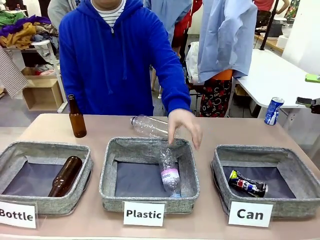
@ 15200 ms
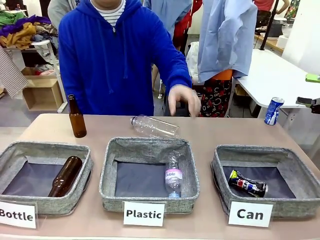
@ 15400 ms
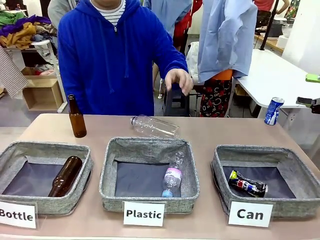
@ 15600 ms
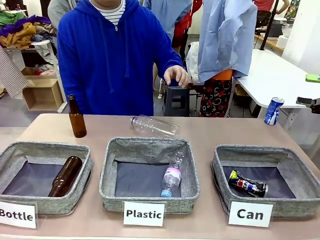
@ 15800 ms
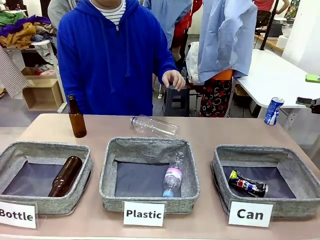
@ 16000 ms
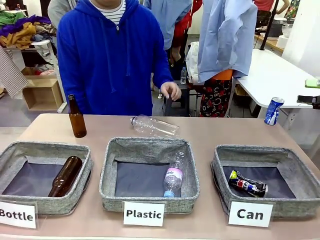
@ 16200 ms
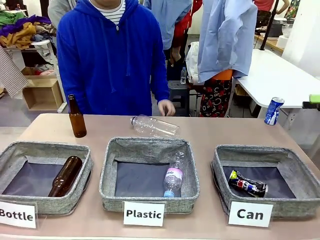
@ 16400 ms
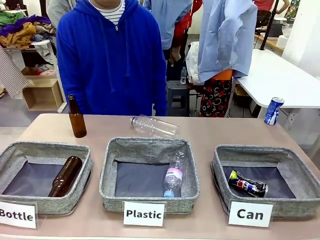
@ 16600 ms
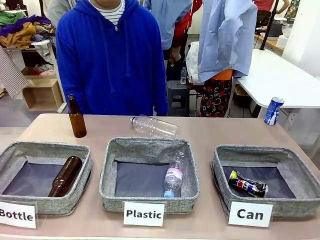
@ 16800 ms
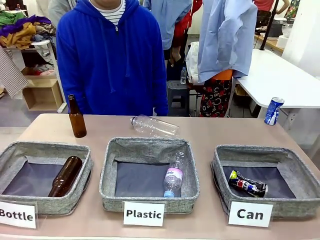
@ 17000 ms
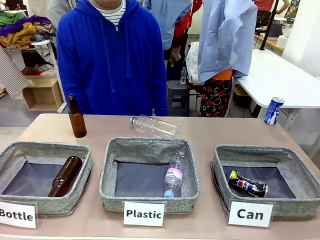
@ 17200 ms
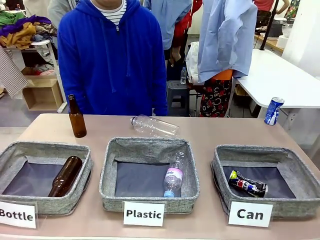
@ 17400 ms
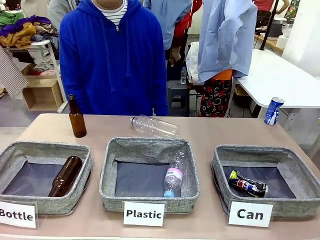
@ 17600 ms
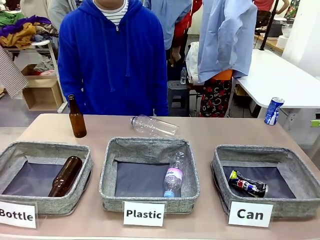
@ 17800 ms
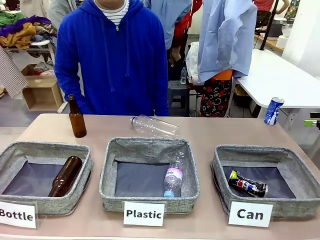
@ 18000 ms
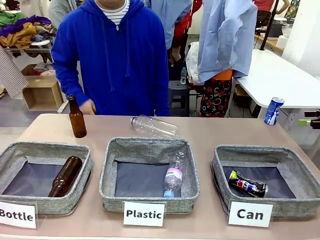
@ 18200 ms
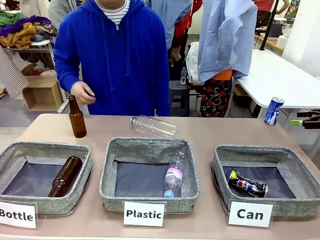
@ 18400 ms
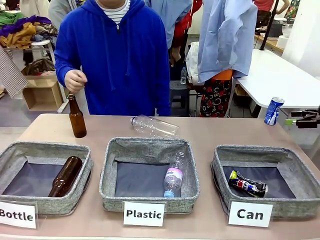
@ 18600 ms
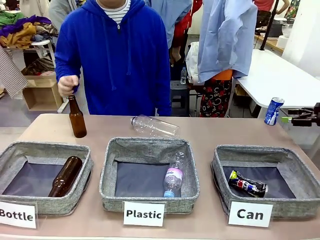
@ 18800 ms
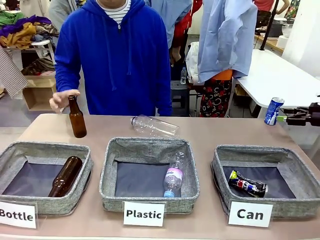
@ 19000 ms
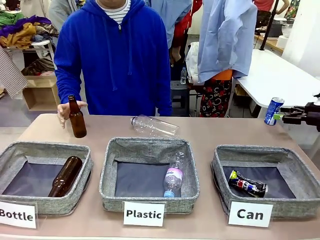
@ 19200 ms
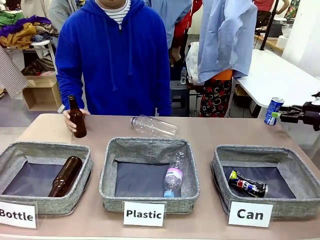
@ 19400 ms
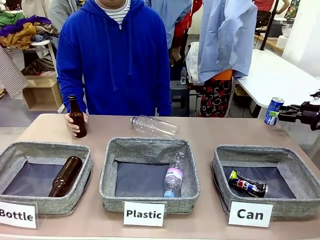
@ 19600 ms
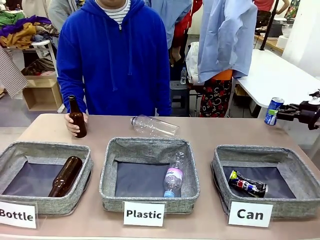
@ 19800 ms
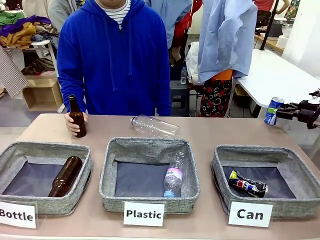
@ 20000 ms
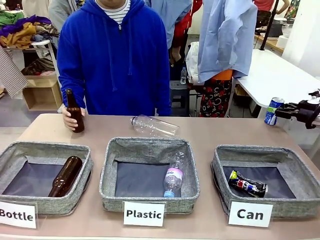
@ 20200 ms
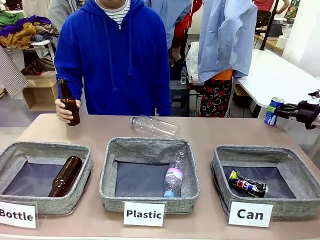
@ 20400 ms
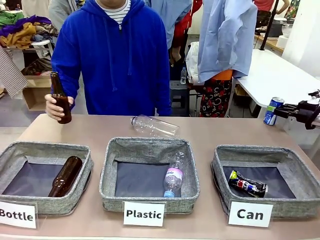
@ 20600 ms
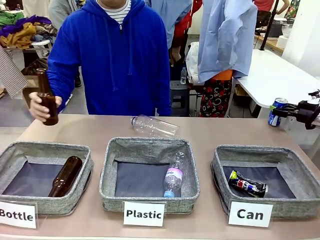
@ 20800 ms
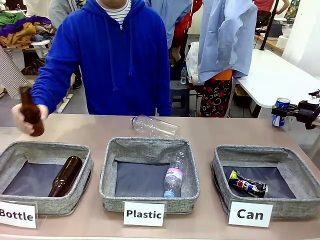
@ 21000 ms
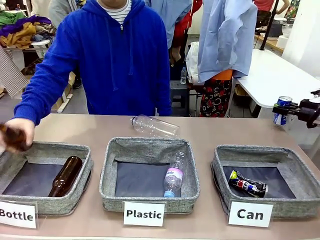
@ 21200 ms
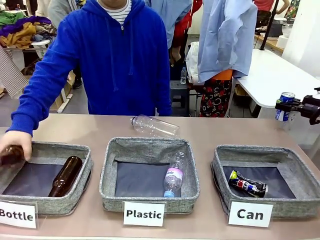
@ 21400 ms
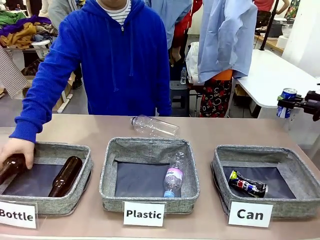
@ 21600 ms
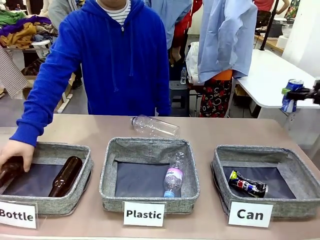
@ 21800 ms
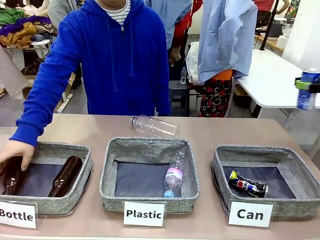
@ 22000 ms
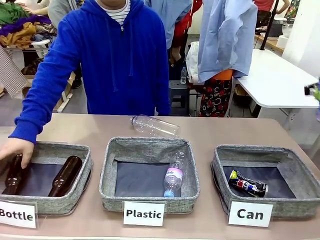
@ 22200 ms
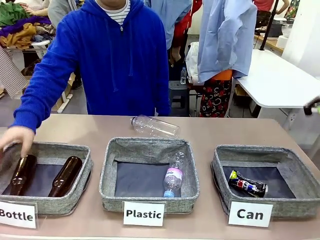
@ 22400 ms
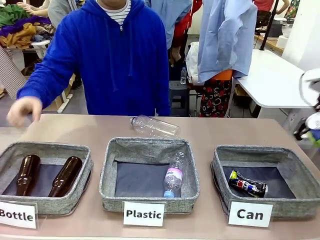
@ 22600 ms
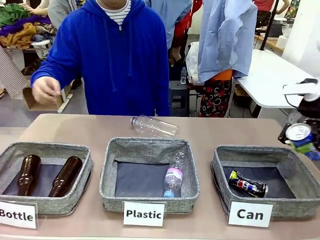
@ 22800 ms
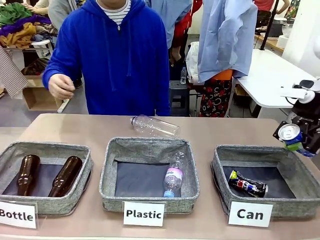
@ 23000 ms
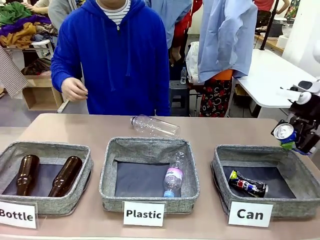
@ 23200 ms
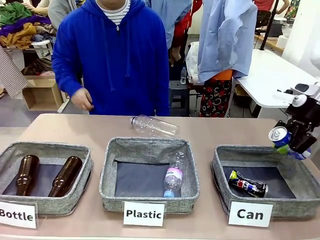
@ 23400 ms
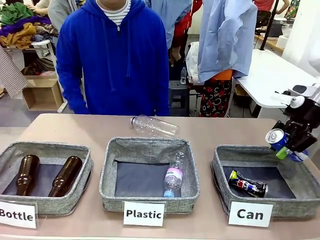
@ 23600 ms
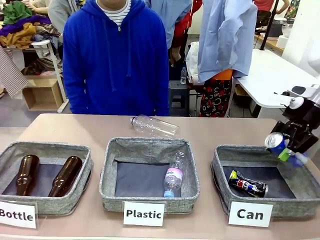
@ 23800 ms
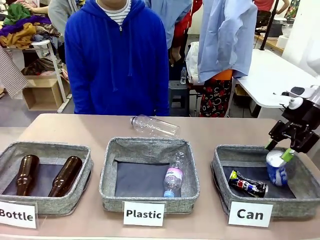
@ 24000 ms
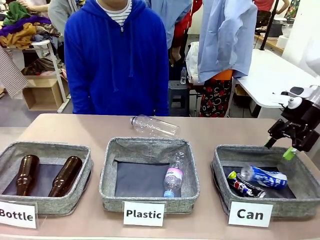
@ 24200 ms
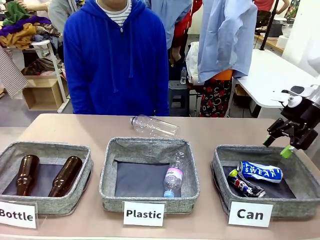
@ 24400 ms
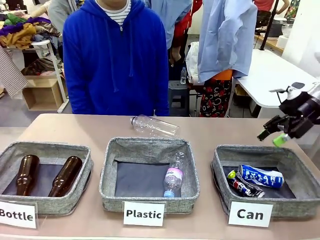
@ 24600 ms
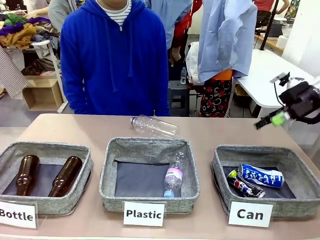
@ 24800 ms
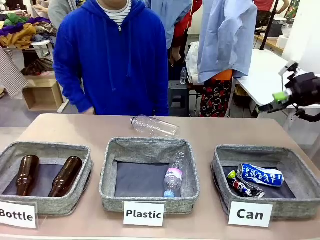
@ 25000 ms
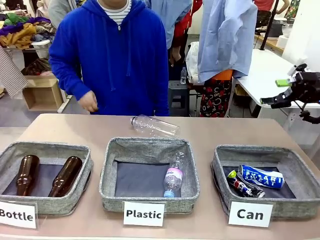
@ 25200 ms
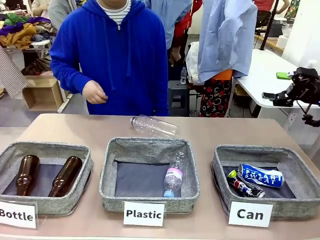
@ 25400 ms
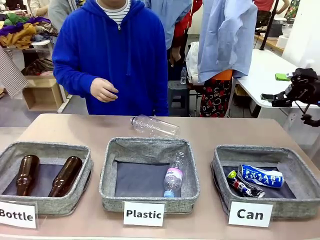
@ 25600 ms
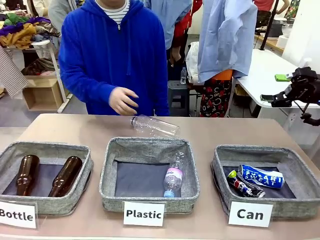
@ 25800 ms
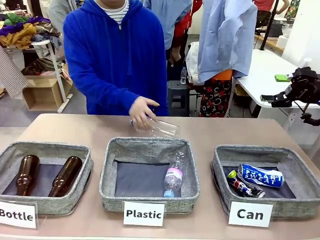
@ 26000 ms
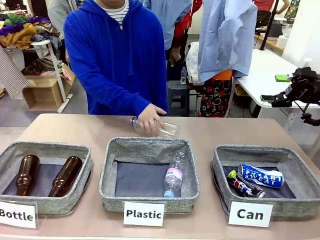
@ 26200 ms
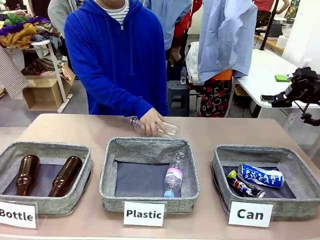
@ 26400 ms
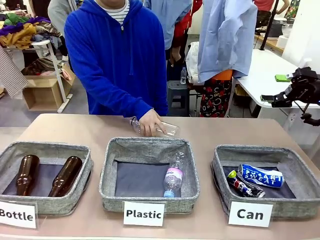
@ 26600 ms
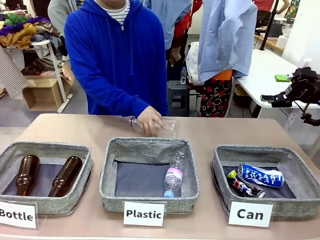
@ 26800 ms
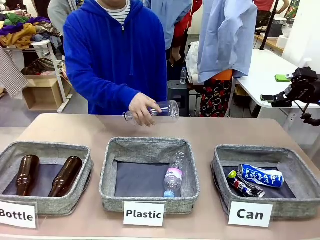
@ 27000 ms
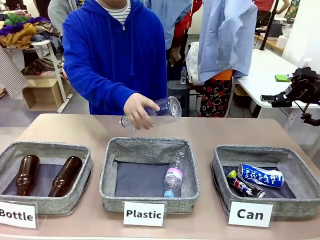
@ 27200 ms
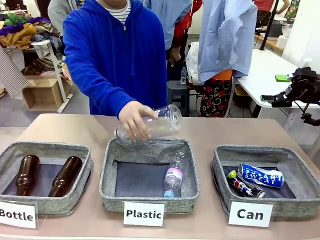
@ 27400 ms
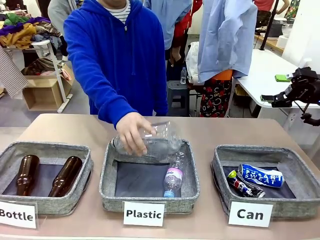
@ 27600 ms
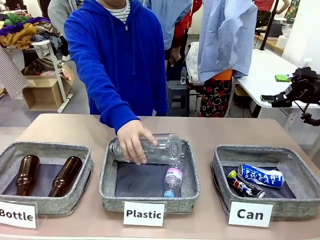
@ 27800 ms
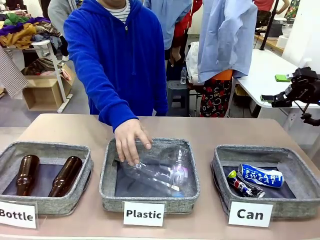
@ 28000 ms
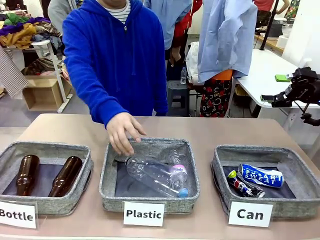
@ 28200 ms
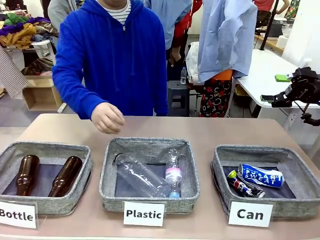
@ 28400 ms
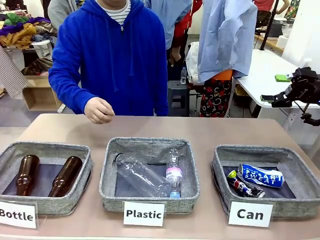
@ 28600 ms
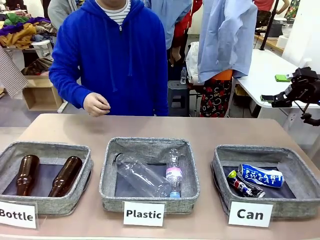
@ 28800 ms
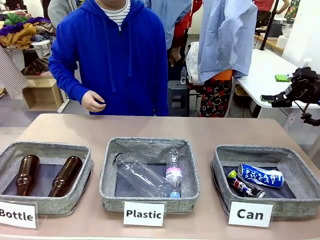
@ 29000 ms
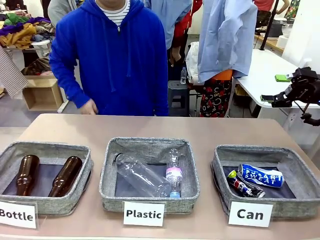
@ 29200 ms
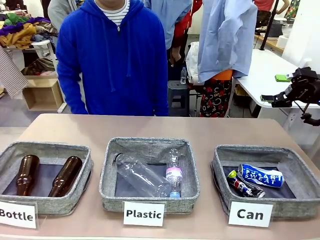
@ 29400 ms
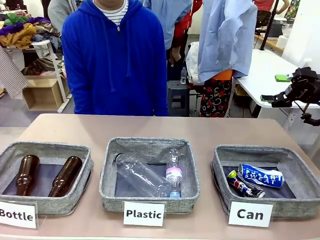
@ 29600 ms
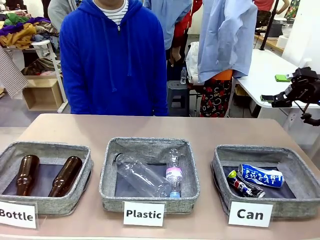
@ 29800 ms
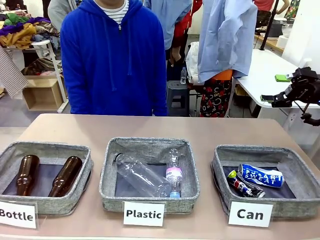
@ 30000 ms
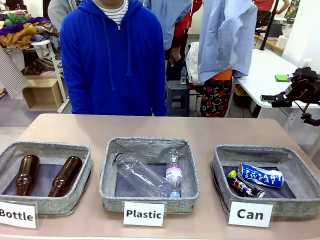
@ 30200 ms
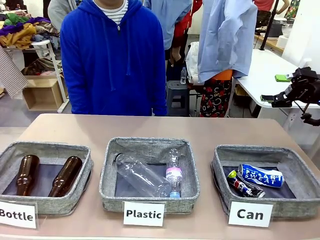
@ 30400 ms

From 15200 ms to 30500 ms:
Task: Sort the can waste into the basket.
Robot: Pick up the can waste from the table and place it in the right Fabric basket.
Person: The human picks up one piece of trash that is not a can and places the trash into the appropriate organizing basket.
